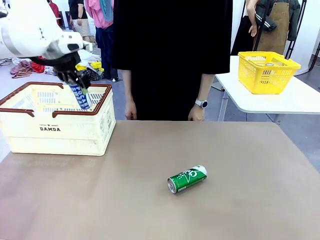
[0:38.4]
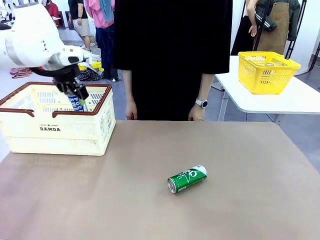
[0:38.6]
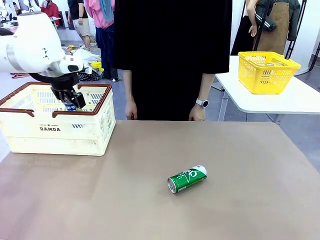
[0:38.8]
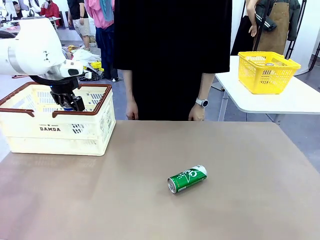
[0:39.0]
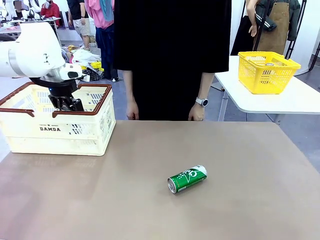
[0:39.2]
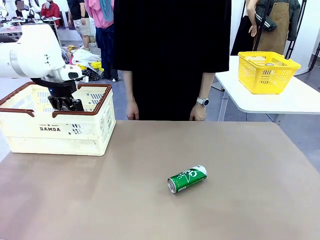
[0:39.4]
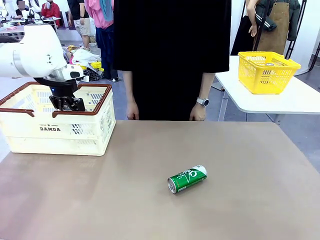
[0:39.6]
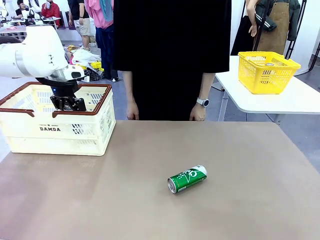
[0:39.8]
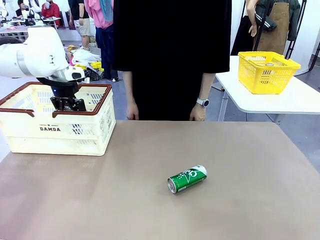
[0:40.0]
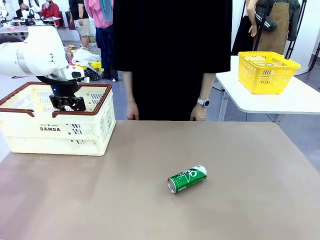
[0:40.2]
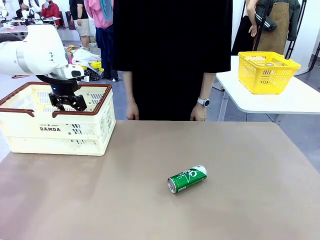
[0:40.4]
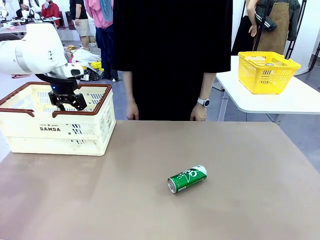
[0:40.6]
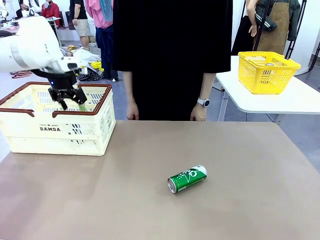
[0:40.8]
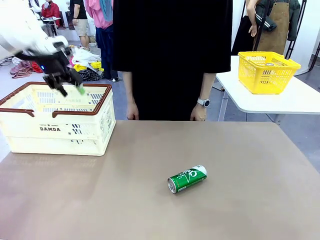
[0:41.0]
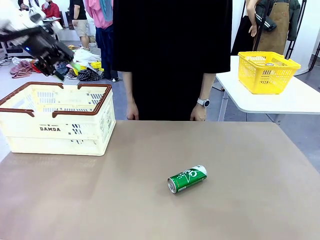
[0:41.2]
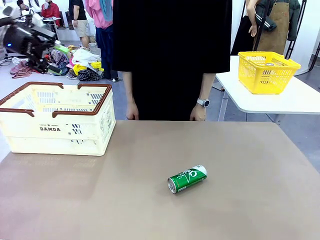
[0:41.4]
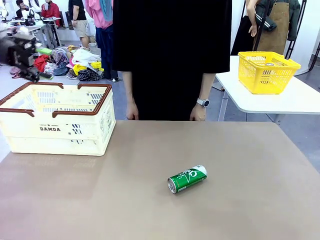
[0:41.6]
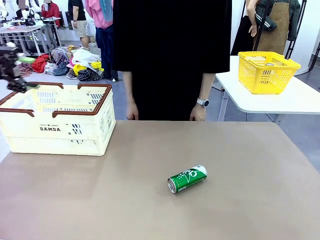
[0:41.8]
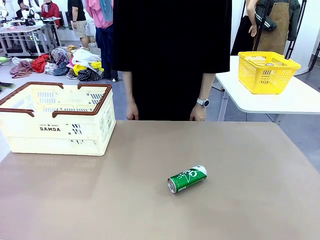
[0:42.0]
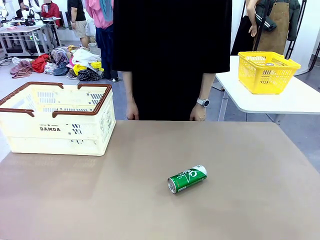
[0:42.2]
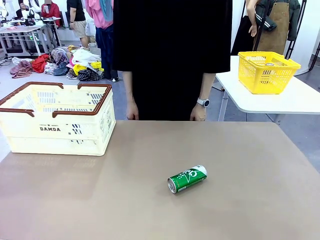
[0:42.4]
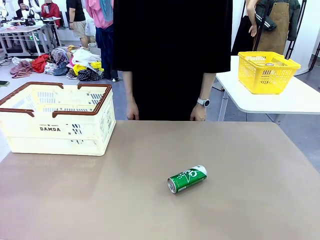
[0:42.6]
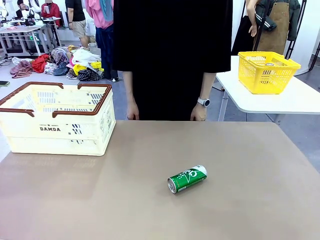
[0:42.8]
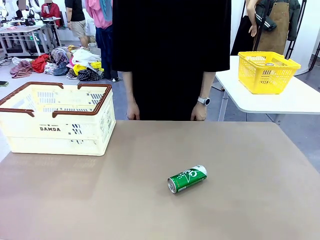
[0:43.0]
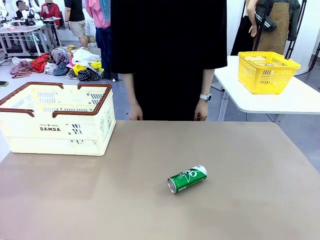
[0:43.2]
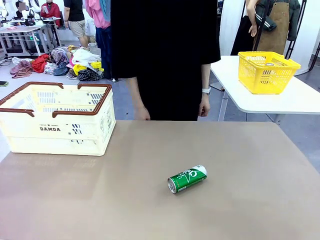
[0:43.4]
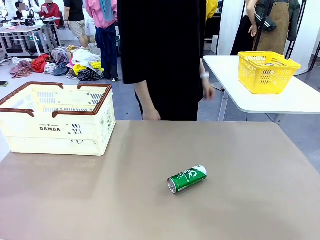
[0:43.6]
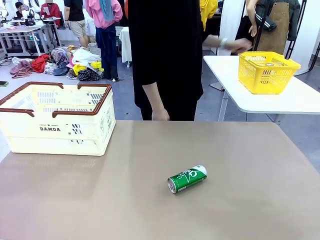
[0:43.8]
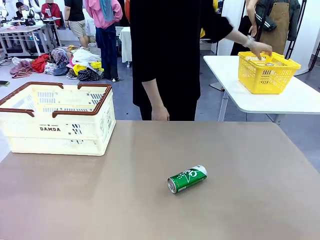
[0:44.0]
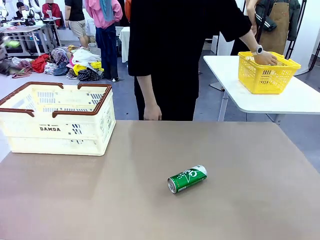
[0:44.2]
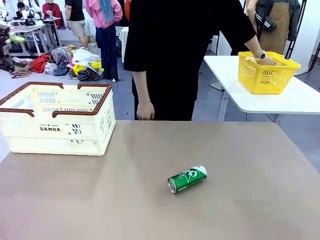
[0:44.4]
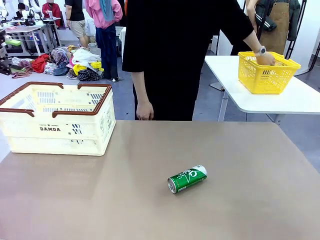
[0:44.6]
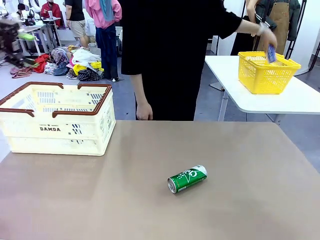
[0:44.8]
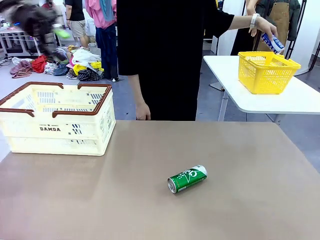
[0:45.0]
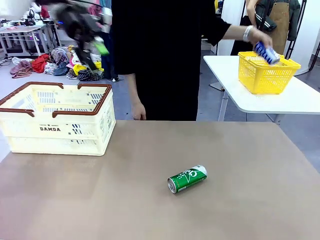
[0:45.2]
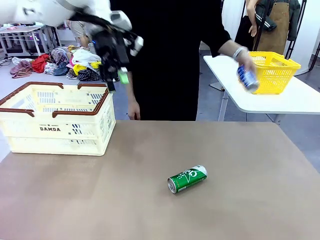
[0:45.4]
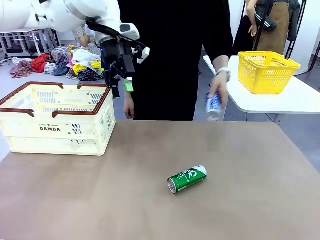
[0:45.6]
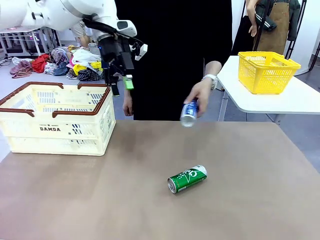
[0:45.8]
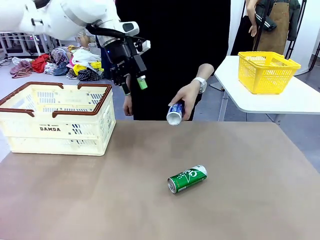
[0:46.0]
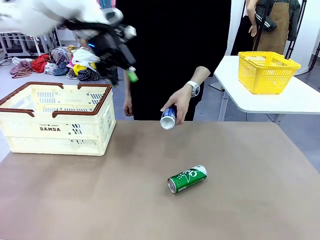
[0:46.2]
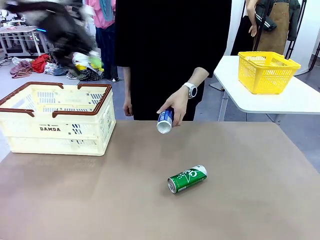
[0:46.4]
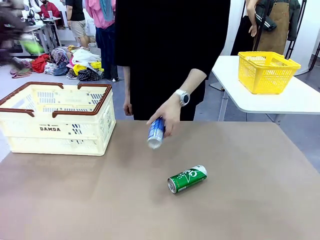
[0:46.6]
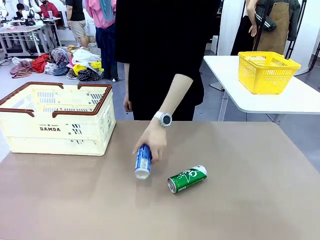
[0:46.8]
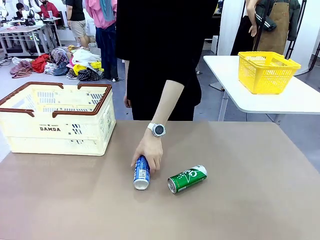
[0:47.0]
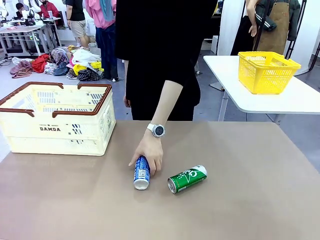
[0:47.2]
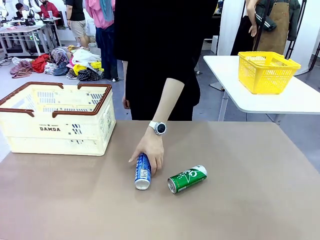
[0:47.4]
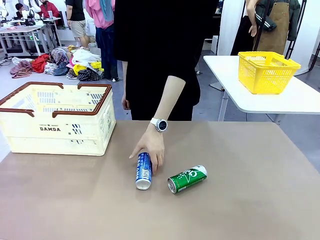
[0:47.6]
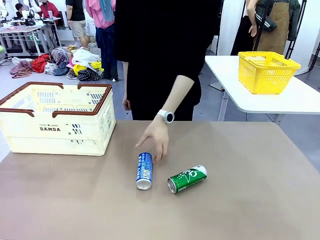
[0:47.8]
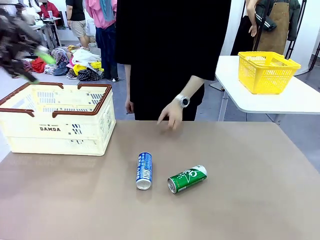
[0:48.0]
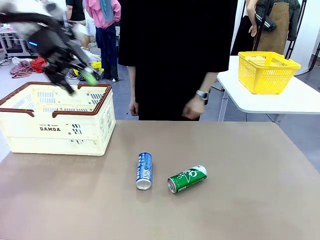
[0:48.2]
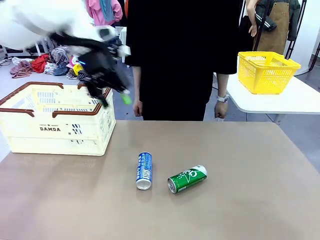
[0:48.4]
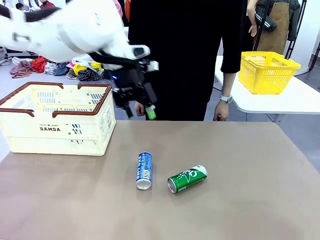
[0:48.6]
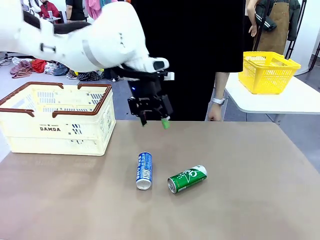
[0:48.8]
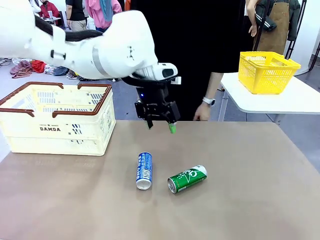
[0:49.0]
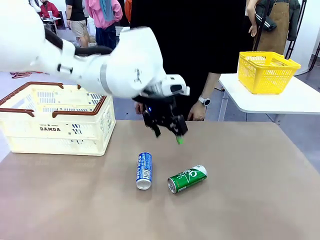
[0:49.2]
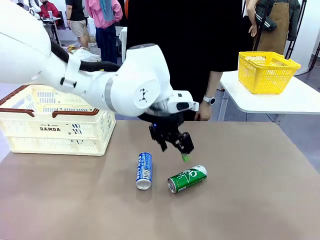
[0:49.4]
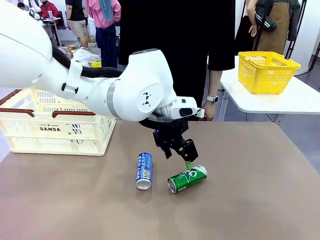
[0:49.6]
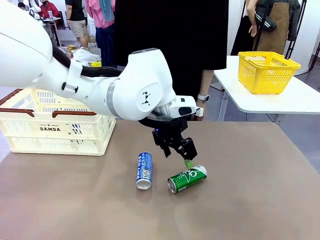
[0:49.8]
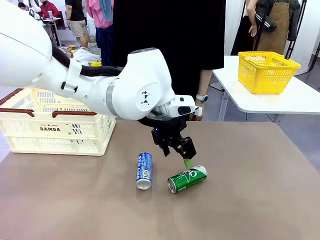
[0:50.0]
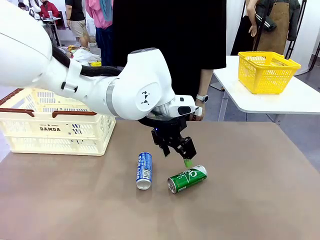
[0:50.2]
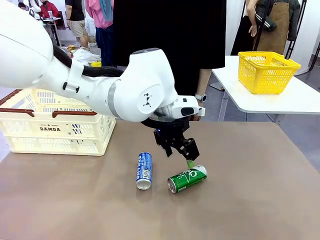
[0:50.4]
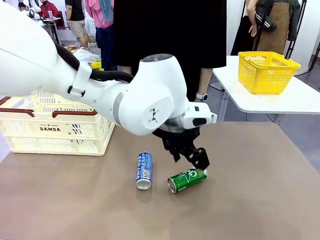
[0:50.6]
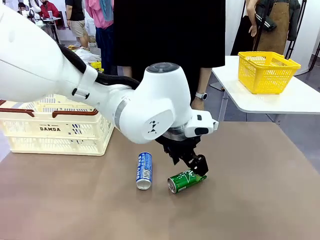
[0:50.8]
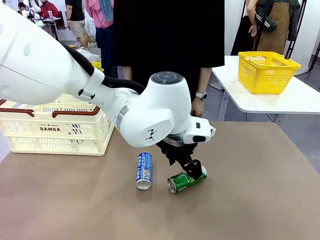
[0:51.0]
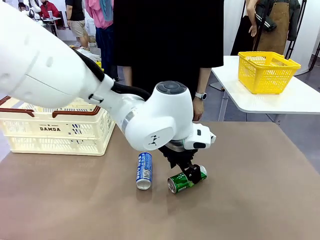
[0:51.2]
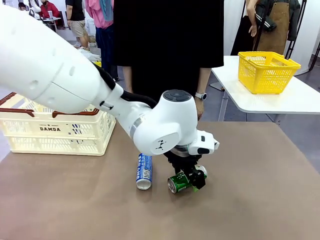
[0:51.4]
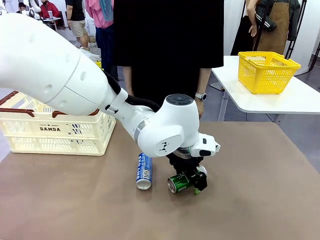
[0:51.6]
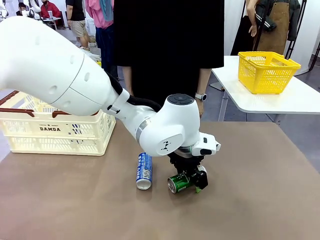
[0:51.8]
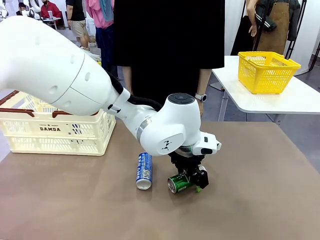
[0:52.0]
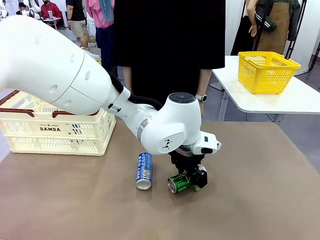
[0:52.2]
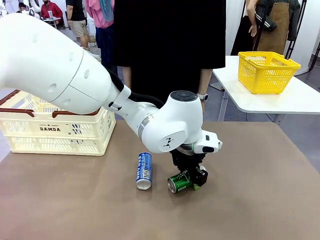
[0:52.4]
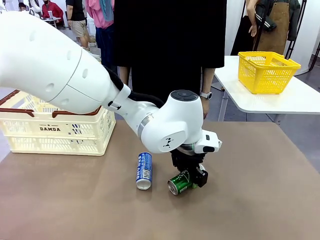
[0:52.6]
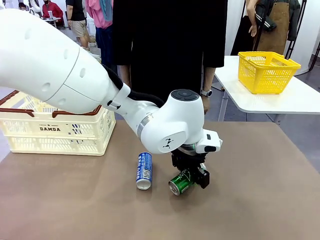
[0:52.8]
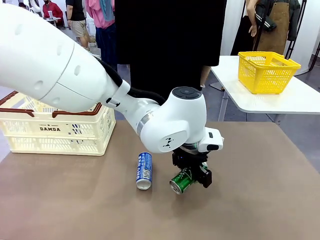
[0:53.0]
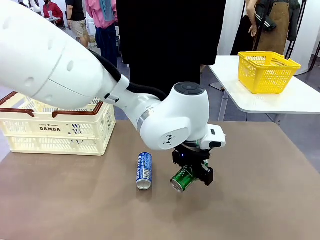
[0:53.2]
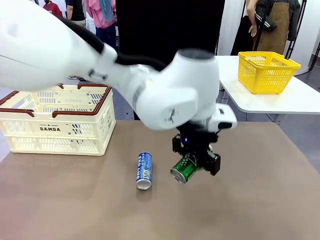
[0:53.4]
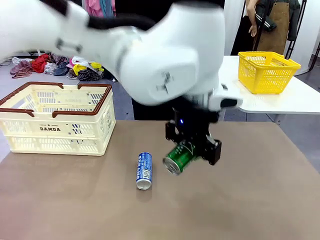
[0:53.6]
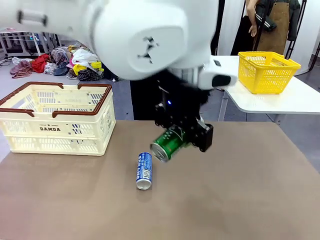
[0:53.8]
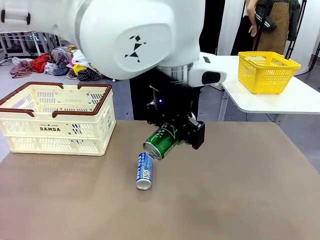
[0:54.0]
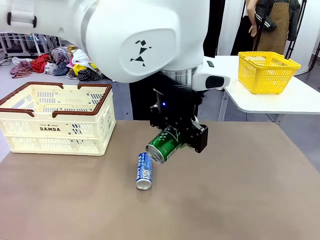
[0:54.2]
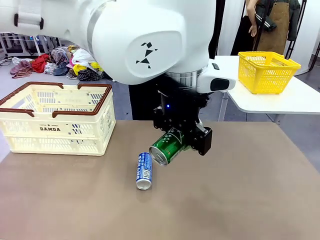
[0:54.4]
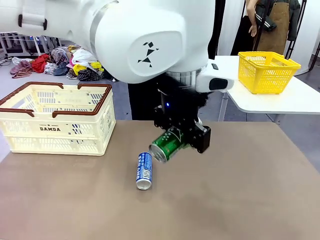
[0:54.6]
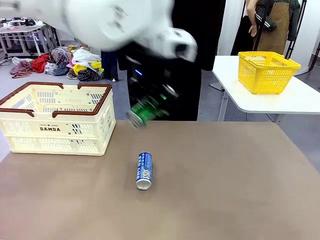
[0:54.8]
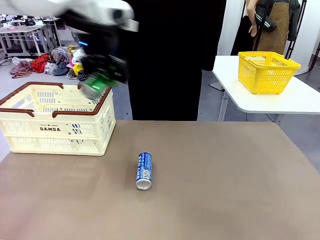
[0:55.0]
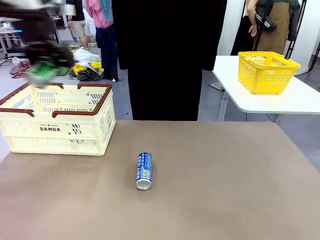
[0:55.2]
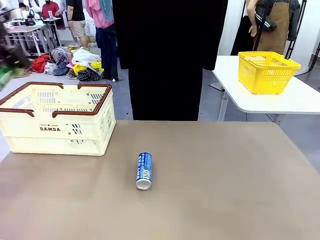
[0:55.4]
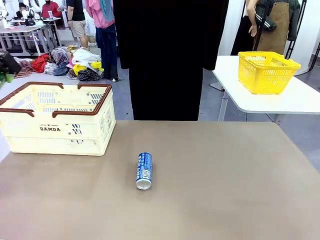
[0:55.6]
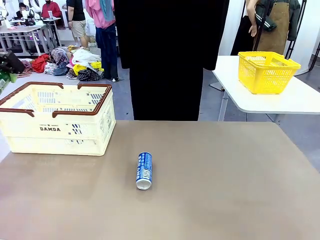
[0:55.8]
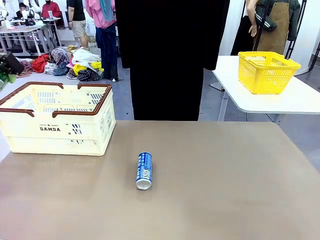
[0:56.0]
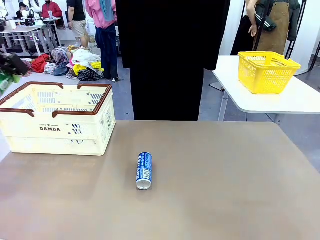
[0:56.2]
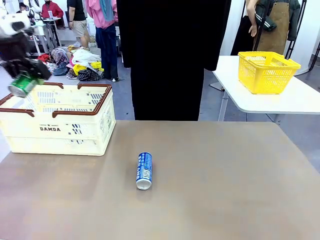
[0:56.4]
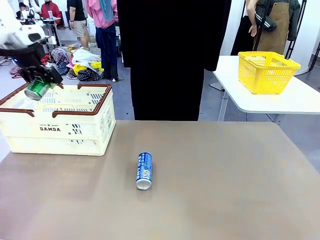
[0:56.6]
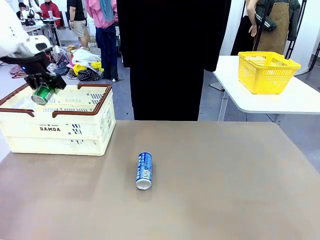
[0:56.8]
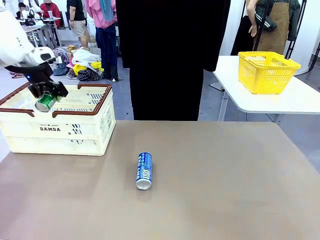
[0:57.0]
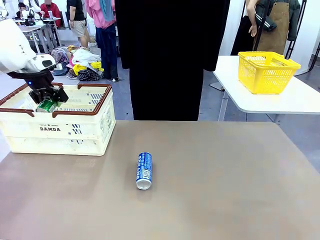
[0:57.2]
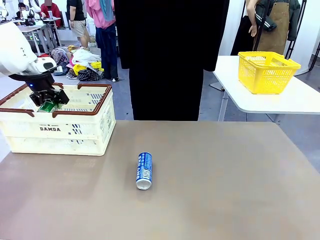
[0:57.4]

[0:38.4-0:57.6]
Task: Place the drinks into the Shopping basket.
Robot: Pick up one drink and place it into the Shopping basket.
